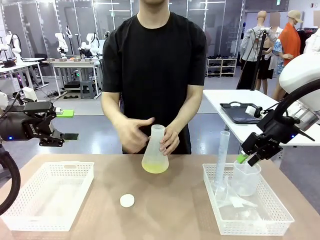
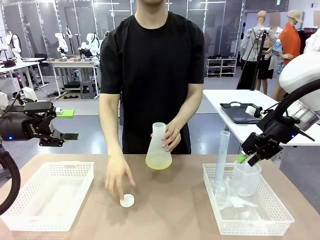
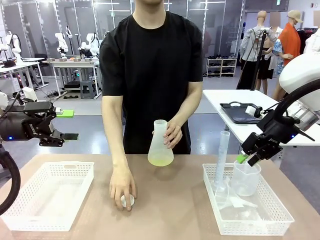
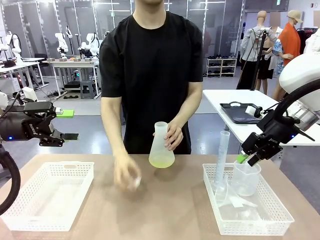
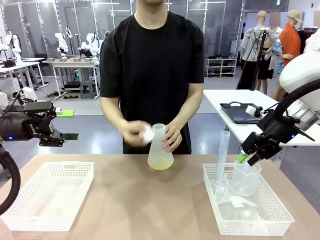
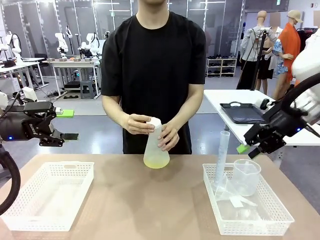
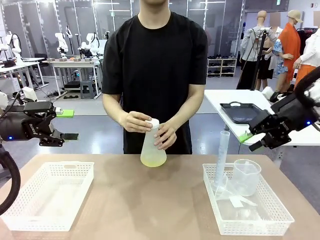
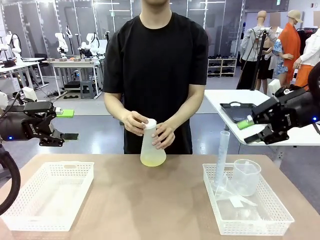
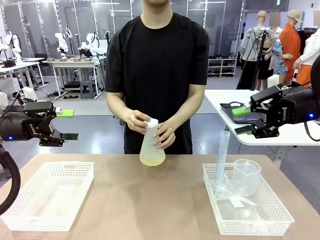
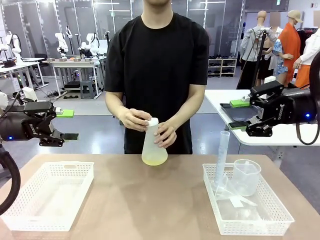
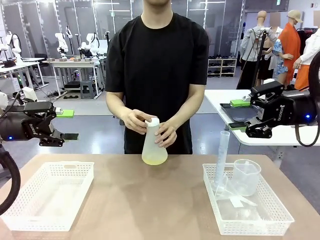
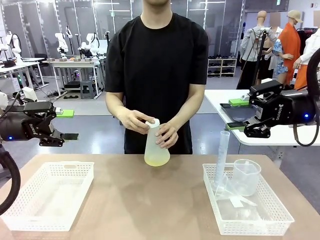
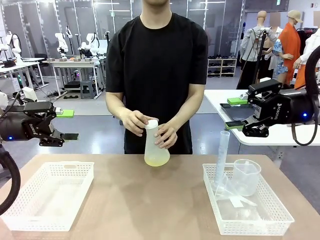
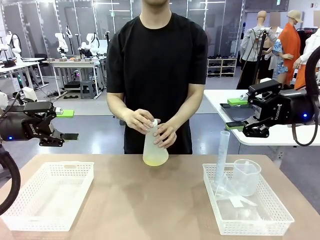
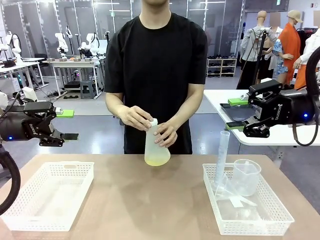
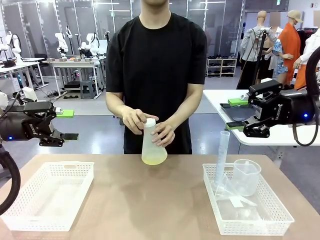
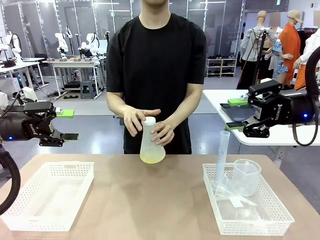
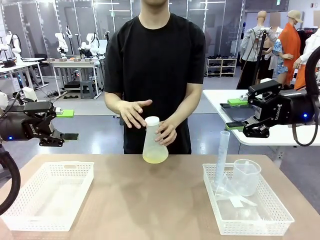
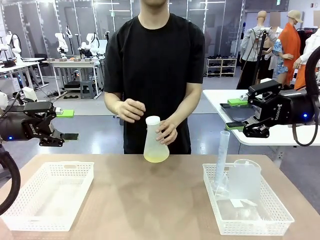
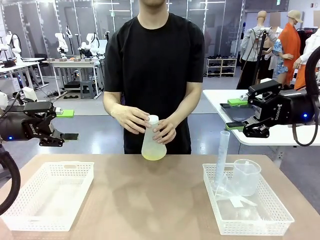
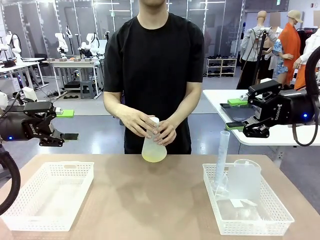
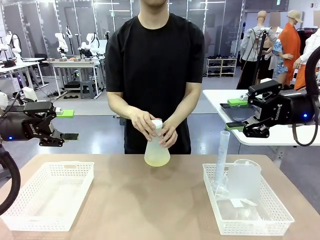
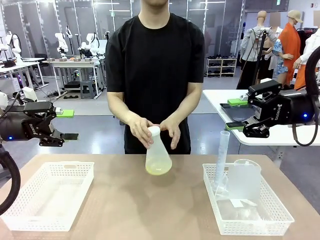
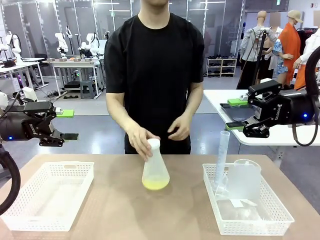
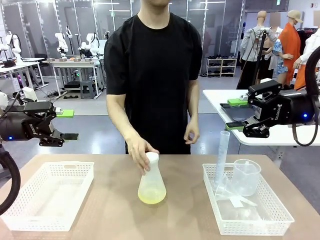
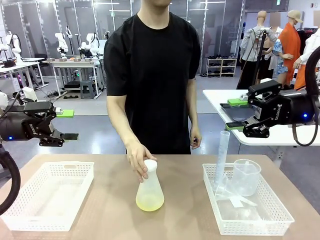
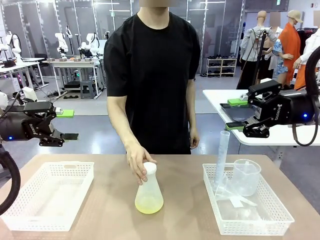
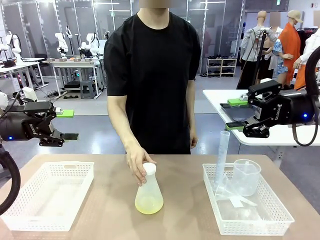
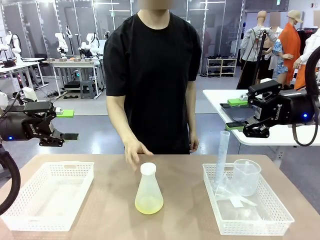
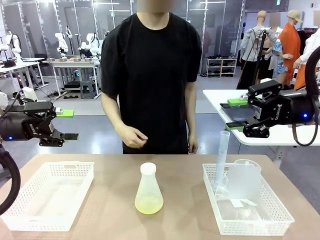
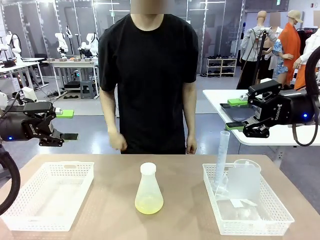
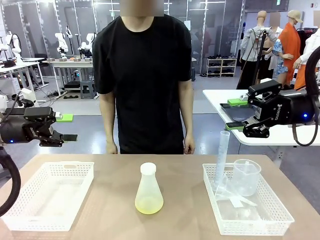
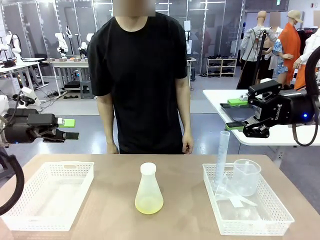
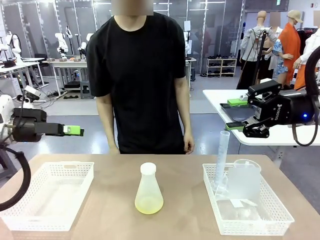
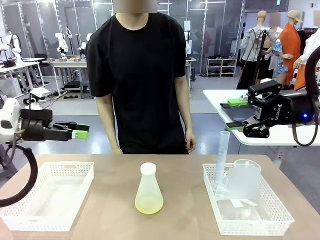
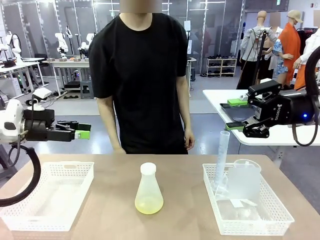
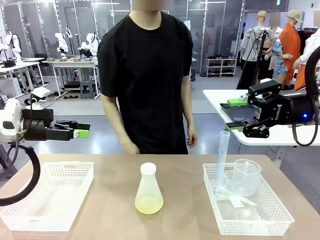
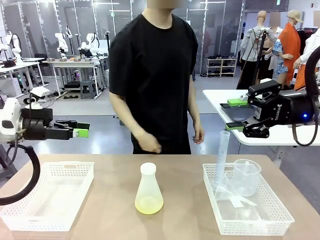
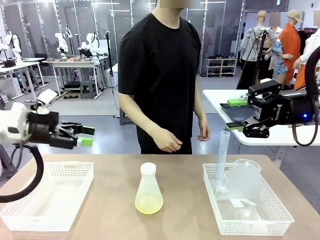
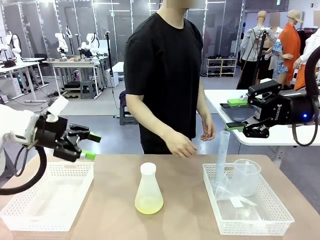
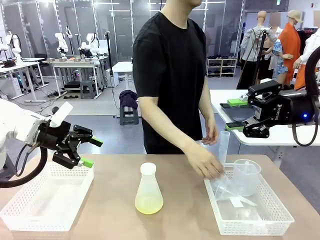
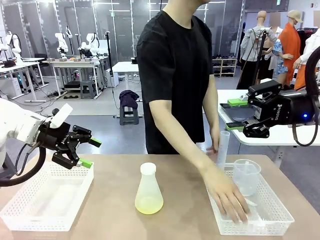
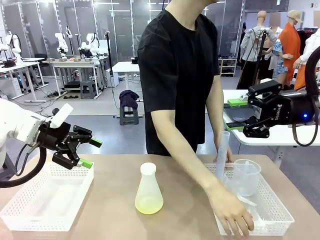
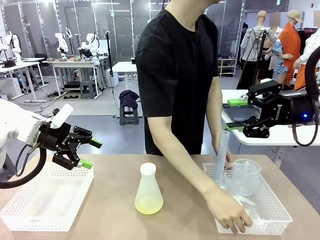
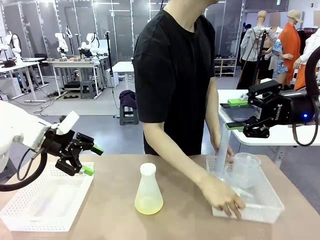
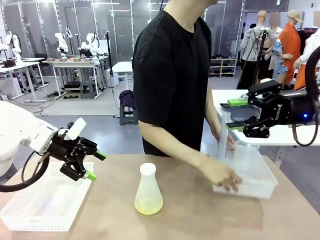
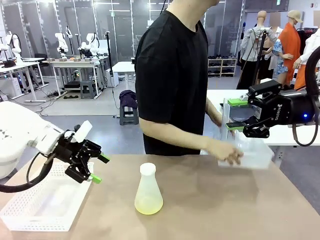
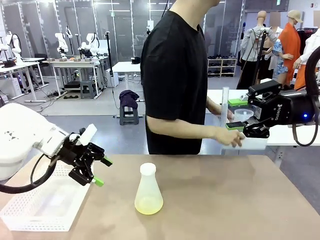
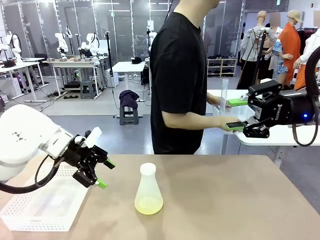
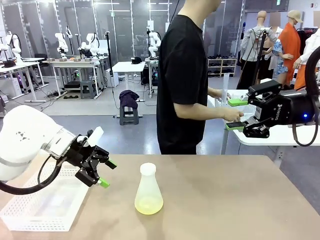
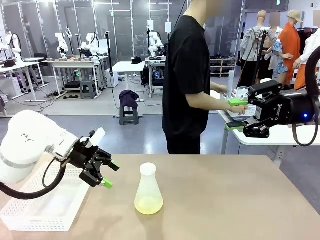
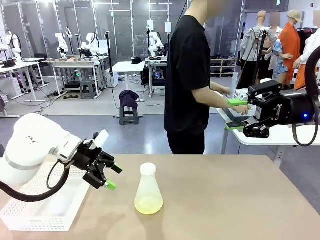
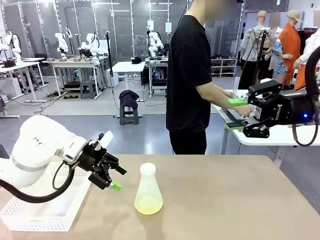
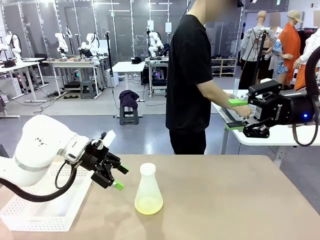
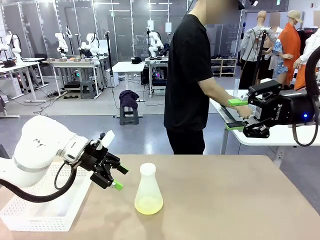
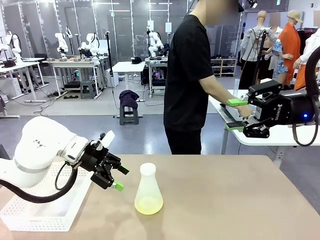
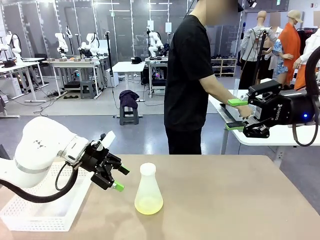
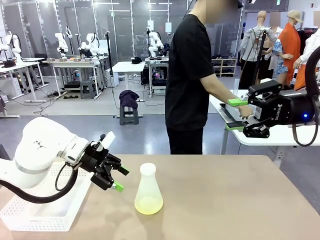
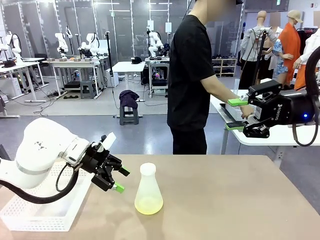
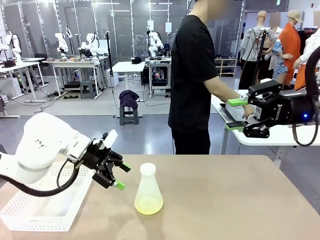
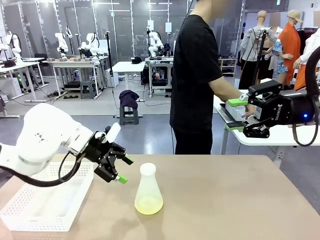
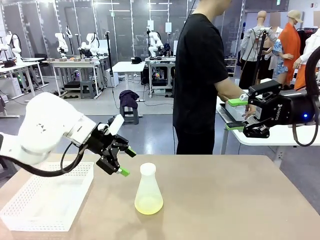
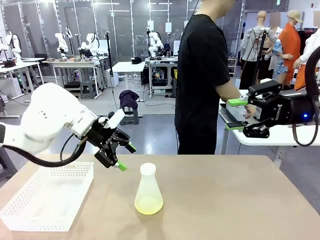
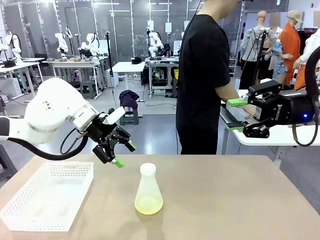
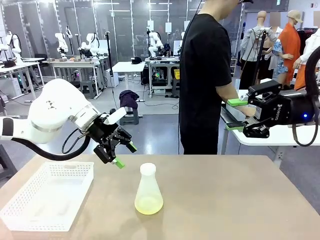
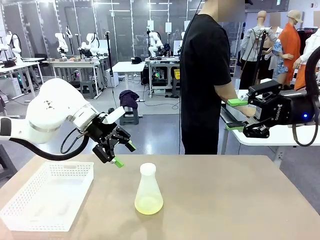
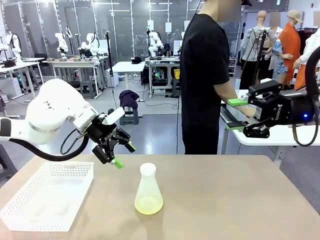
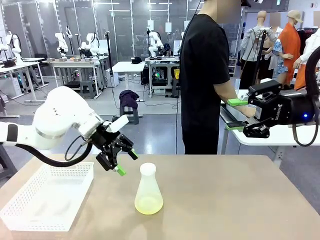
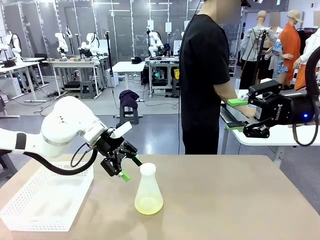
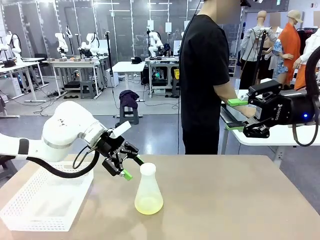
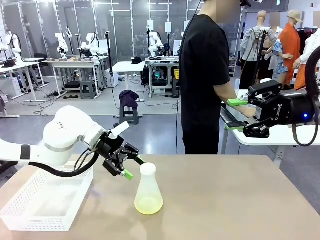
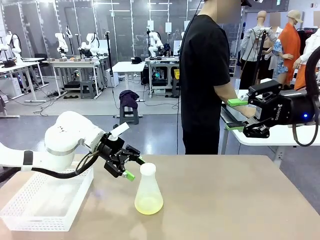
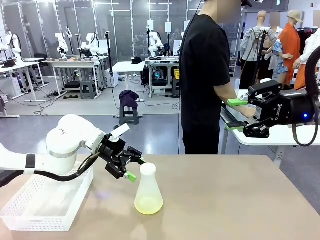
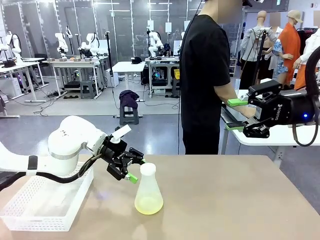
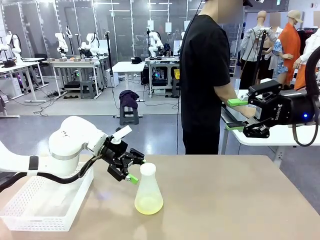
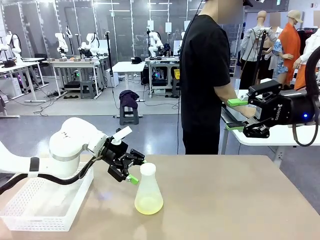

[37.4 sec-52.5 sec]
Task: Prepare the solutions needed for the experiment.
Robot: When the human places the Big flask in the center of the table, pick up the Big flask and place it in the left Organizing basket.

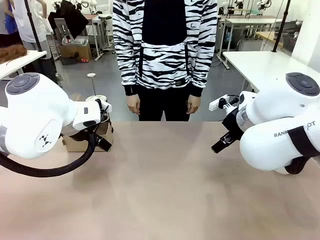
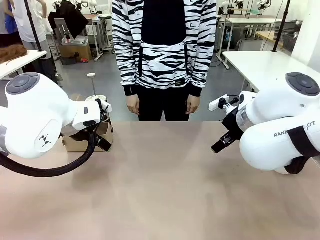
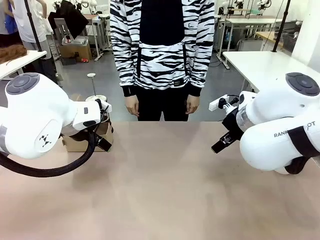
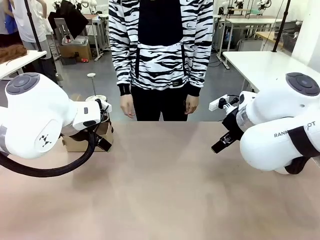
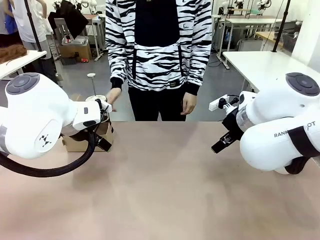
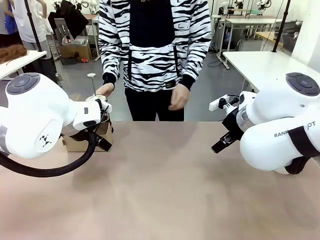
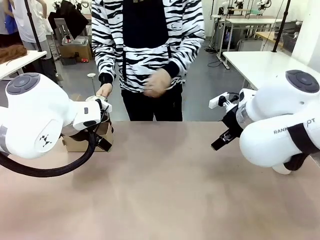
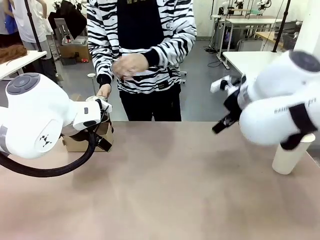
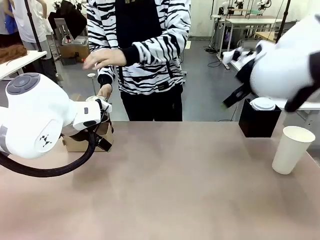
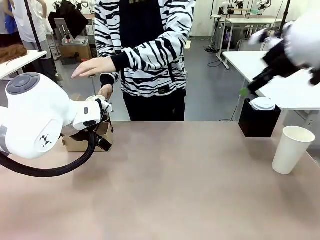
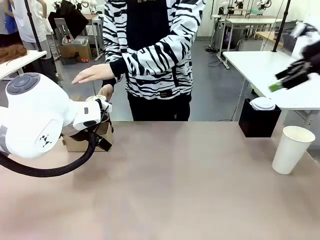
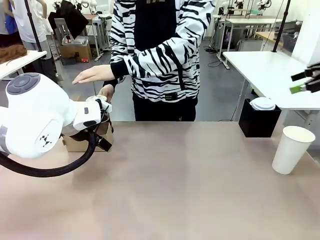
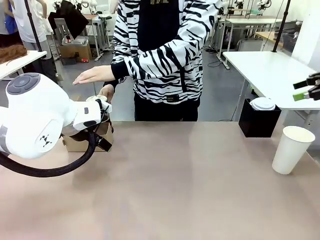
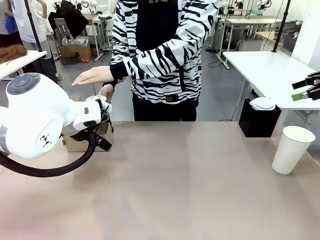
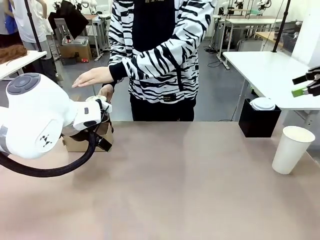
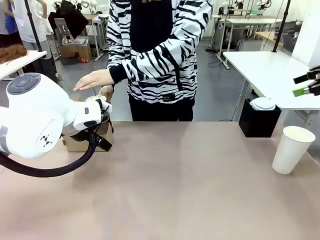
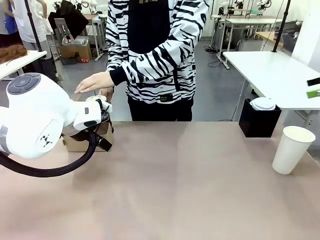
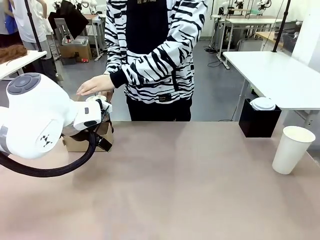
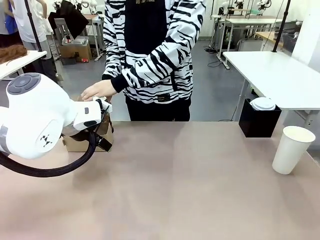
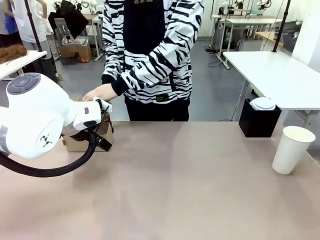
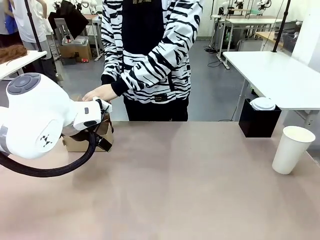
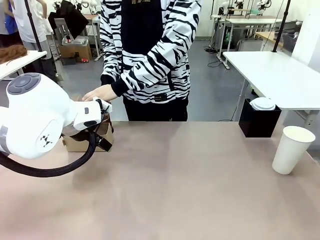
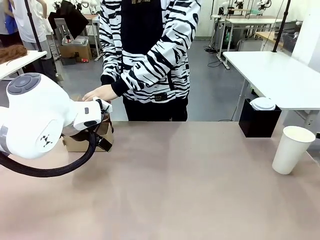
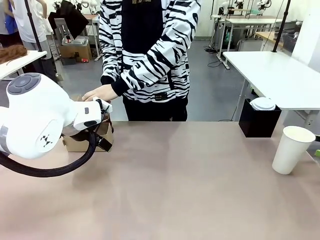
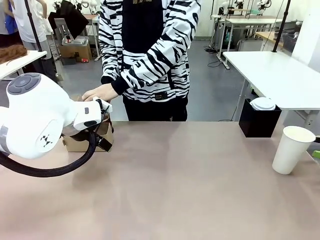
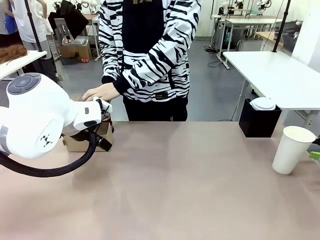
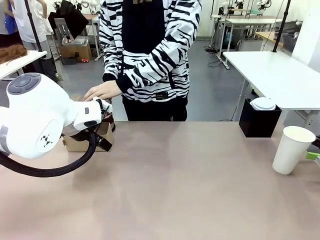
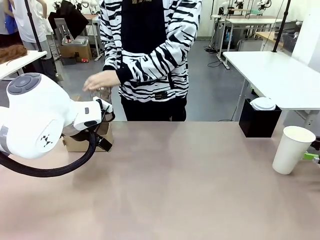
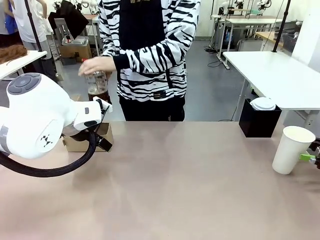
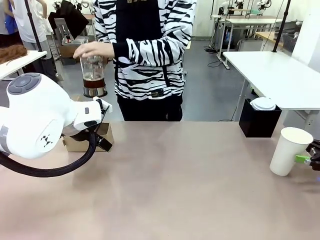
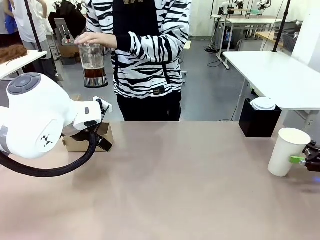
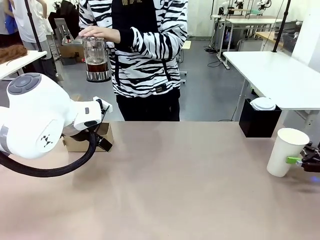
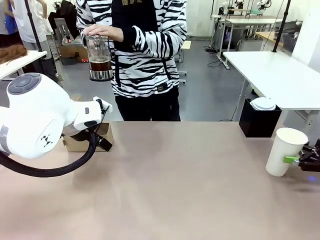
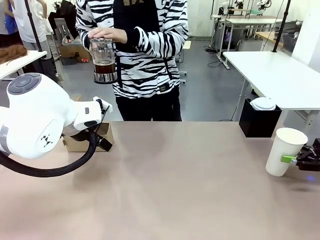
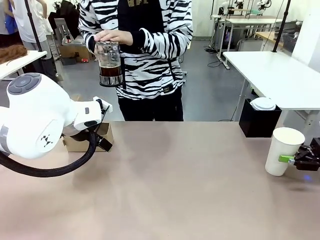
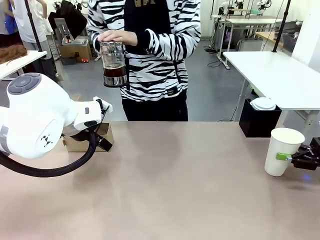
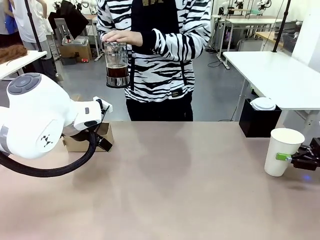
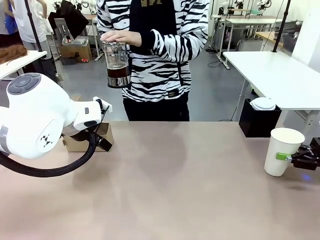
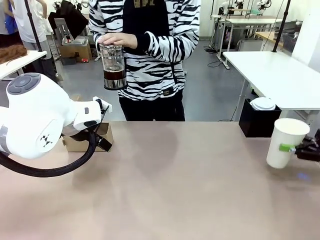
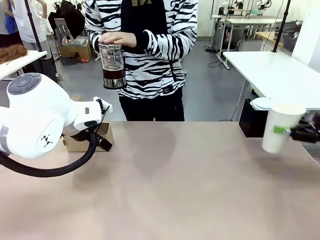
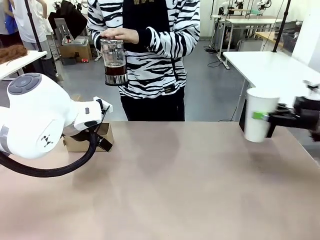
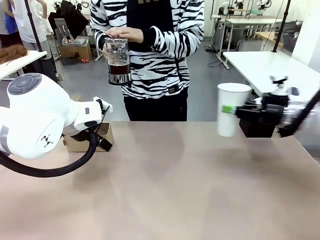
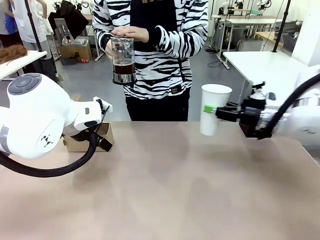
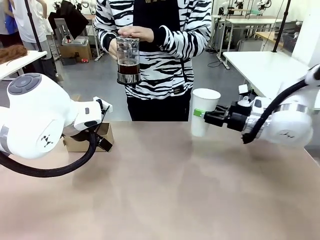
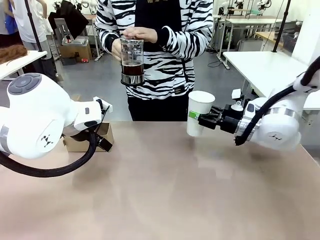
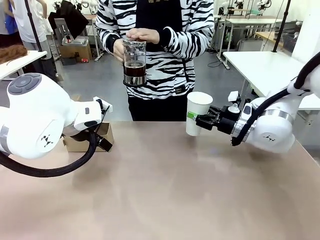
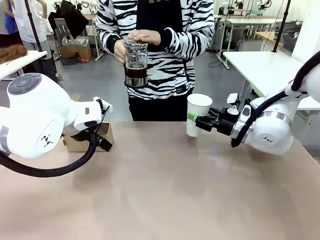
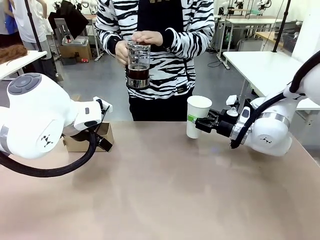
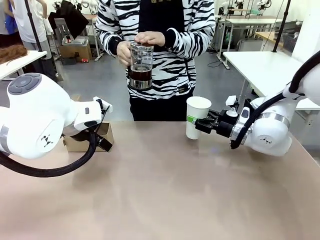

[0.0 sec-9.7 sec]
Task: Pour a drink into a cup and package it in a carrier.
Robot: Pick up the 600 ml Paper Cup and place it in the middle top area of the table.
Person: Press and pick up the Filter Brewing.
